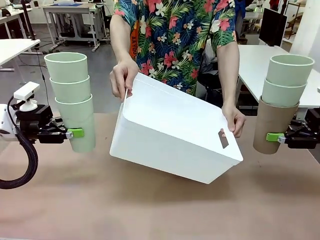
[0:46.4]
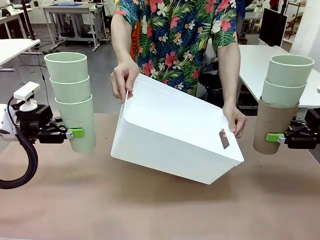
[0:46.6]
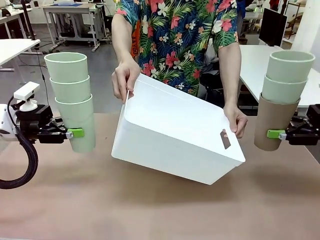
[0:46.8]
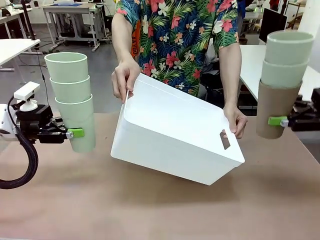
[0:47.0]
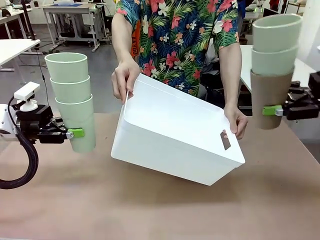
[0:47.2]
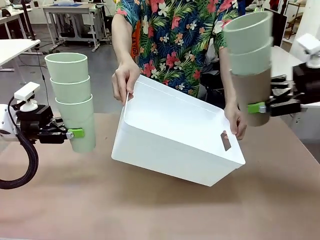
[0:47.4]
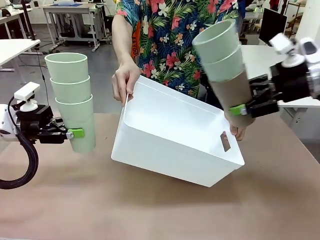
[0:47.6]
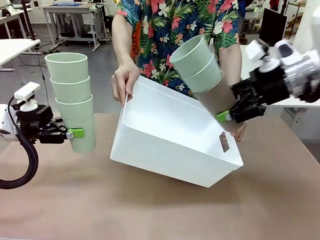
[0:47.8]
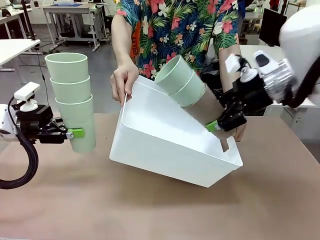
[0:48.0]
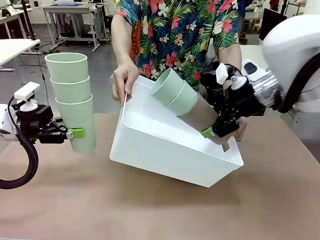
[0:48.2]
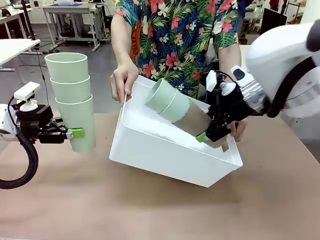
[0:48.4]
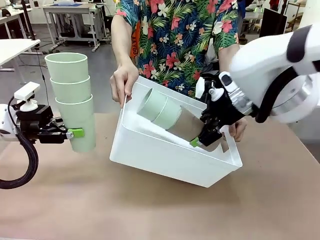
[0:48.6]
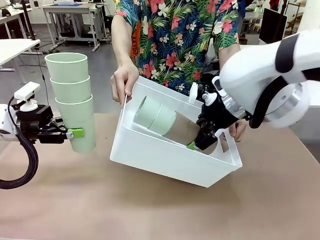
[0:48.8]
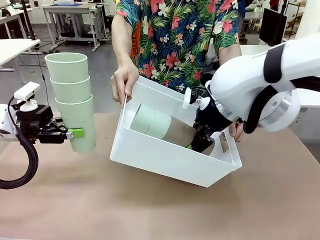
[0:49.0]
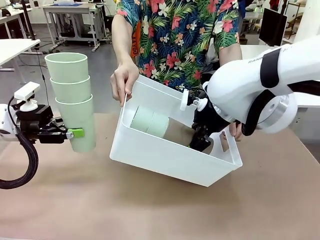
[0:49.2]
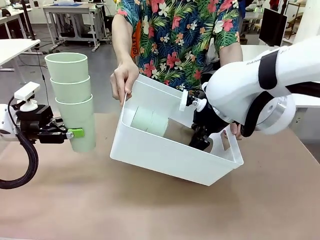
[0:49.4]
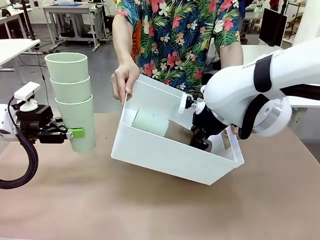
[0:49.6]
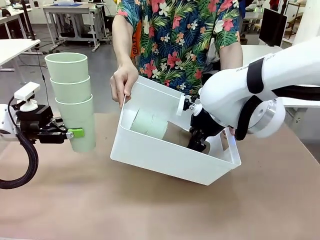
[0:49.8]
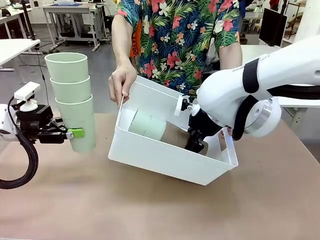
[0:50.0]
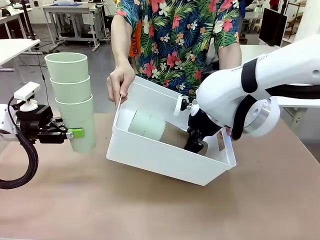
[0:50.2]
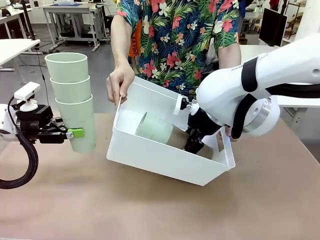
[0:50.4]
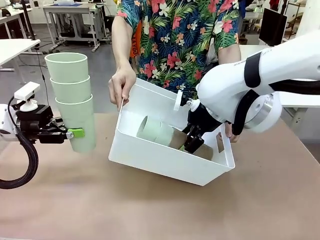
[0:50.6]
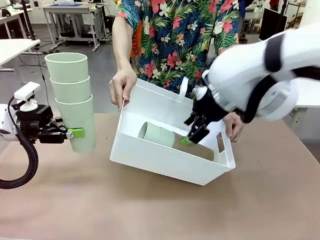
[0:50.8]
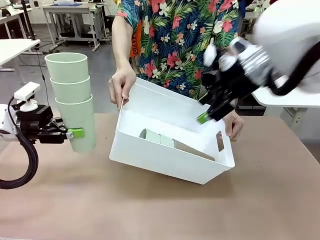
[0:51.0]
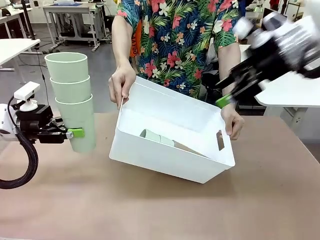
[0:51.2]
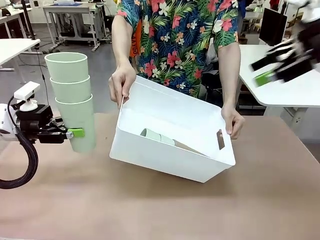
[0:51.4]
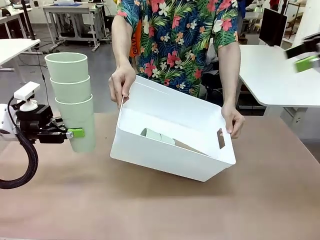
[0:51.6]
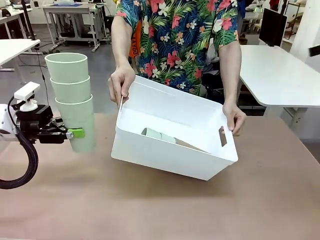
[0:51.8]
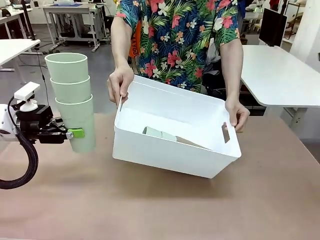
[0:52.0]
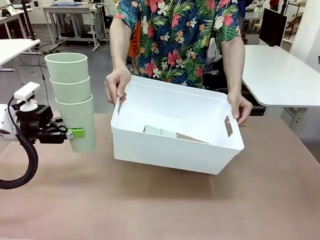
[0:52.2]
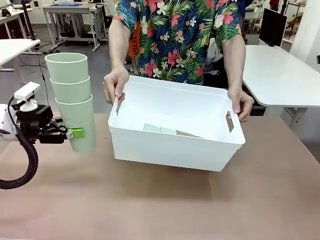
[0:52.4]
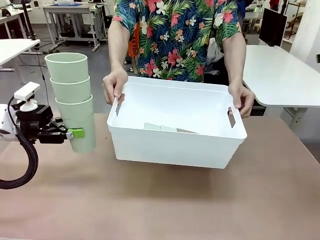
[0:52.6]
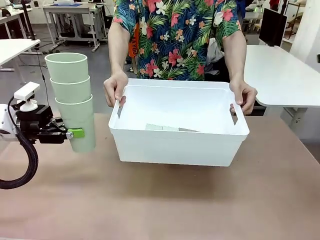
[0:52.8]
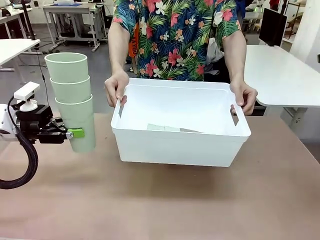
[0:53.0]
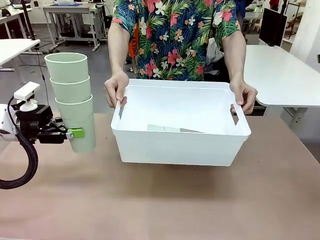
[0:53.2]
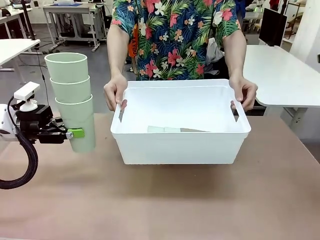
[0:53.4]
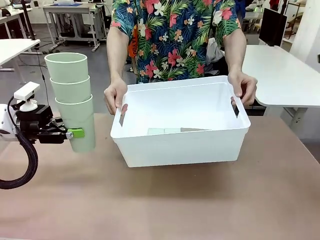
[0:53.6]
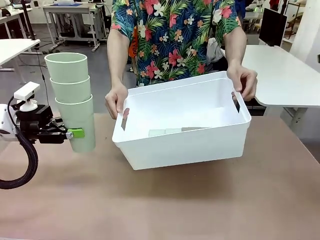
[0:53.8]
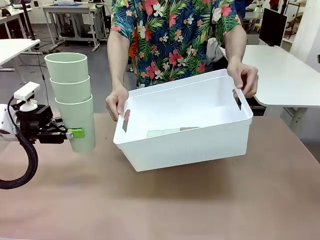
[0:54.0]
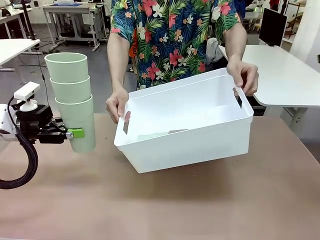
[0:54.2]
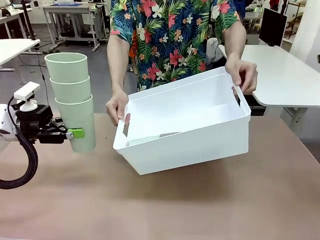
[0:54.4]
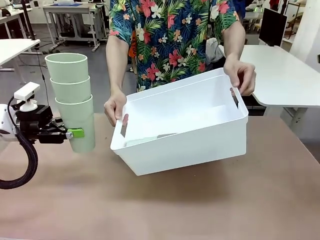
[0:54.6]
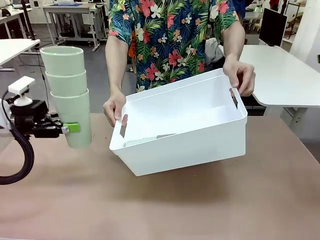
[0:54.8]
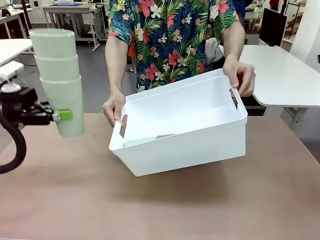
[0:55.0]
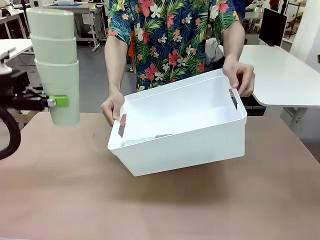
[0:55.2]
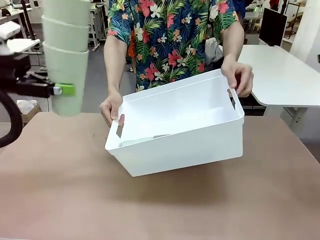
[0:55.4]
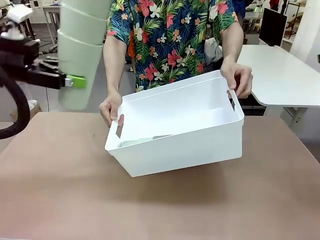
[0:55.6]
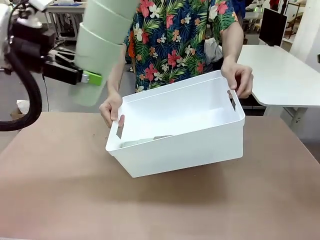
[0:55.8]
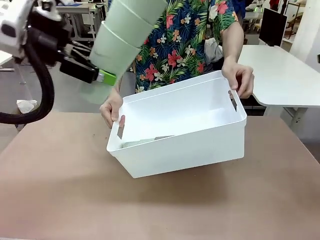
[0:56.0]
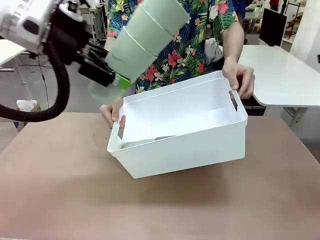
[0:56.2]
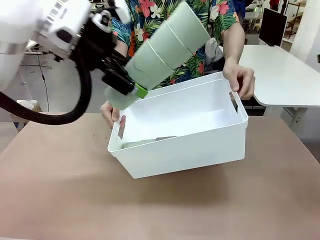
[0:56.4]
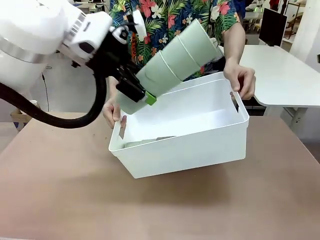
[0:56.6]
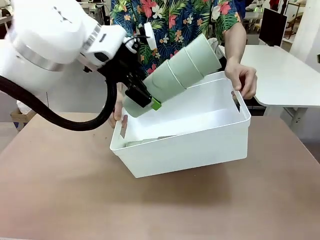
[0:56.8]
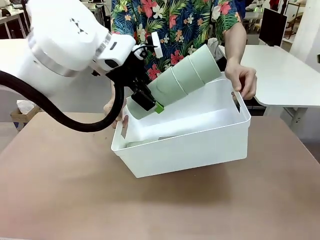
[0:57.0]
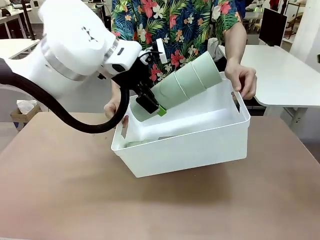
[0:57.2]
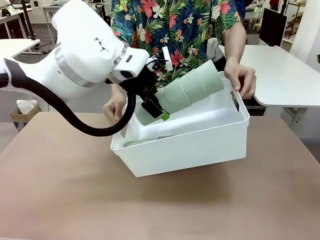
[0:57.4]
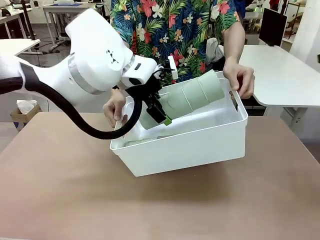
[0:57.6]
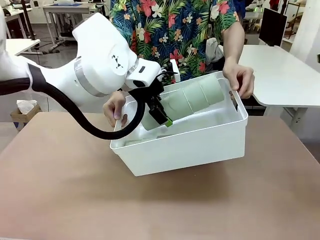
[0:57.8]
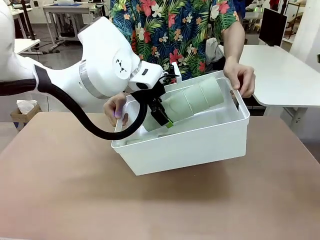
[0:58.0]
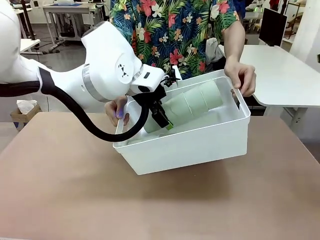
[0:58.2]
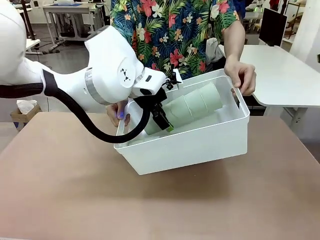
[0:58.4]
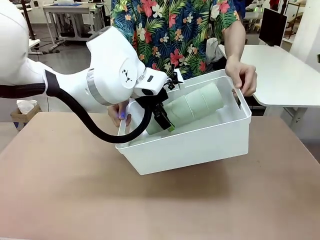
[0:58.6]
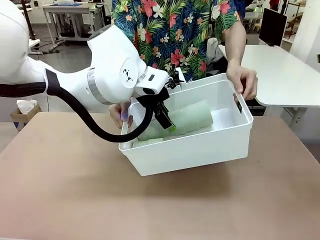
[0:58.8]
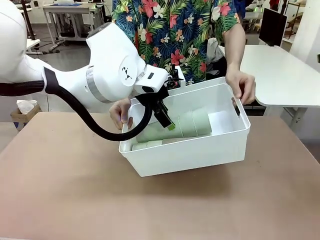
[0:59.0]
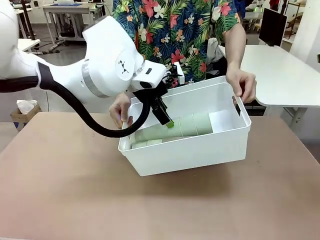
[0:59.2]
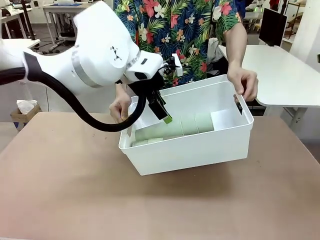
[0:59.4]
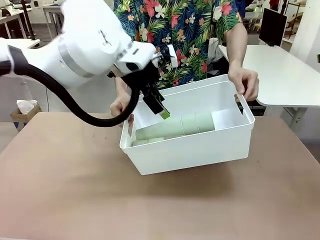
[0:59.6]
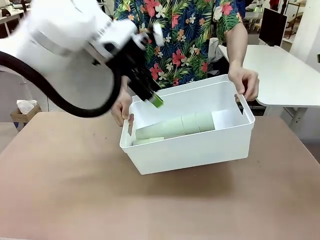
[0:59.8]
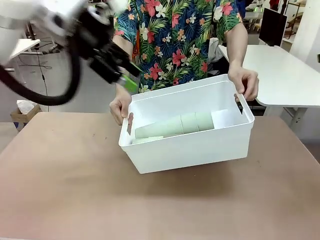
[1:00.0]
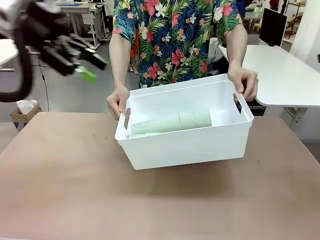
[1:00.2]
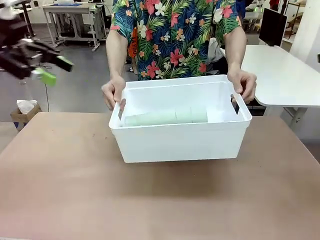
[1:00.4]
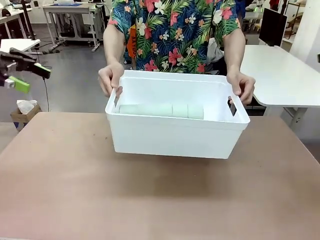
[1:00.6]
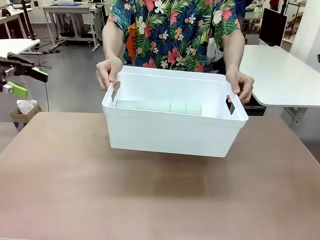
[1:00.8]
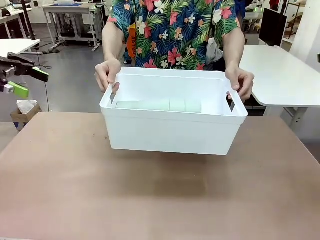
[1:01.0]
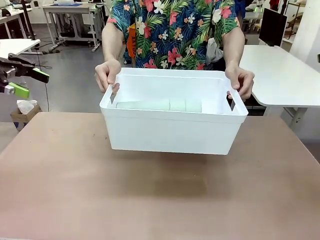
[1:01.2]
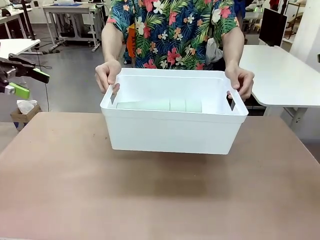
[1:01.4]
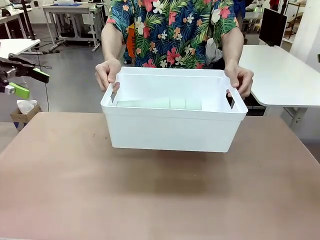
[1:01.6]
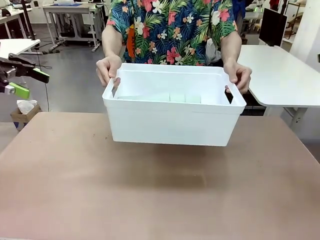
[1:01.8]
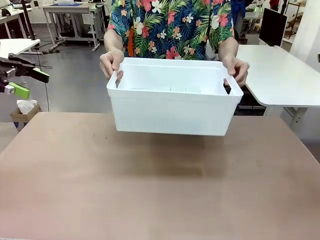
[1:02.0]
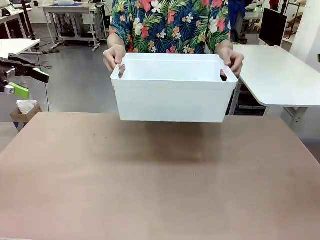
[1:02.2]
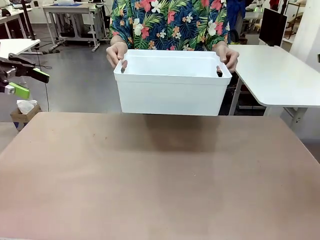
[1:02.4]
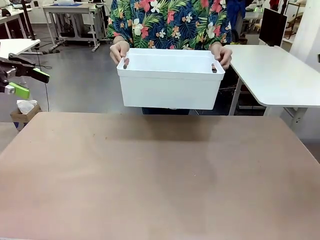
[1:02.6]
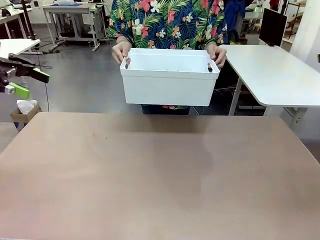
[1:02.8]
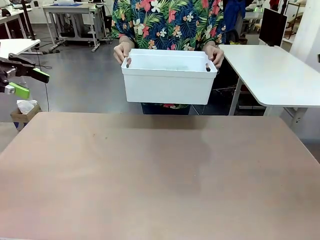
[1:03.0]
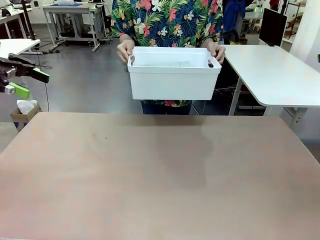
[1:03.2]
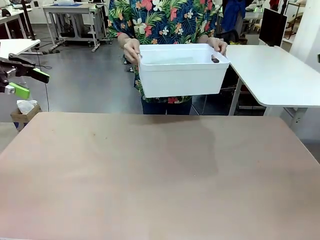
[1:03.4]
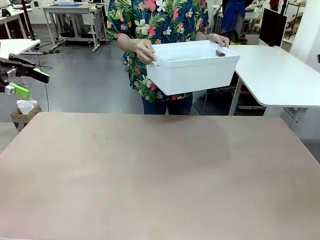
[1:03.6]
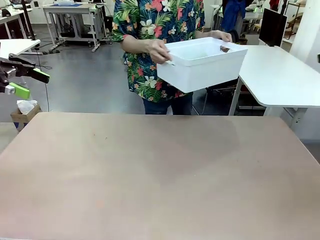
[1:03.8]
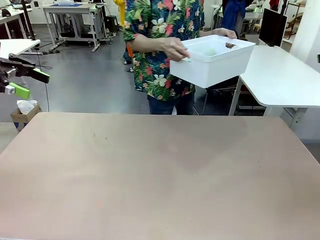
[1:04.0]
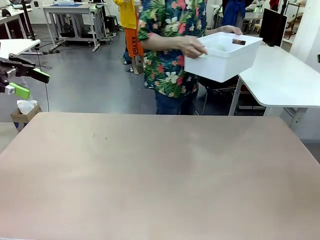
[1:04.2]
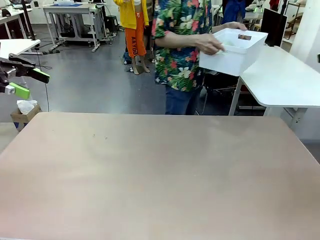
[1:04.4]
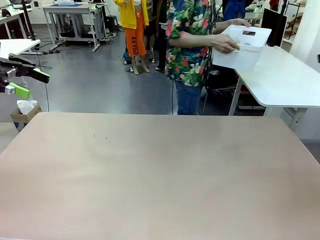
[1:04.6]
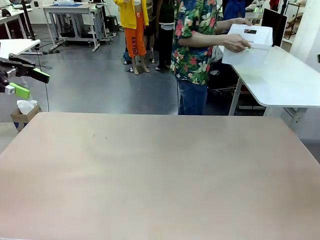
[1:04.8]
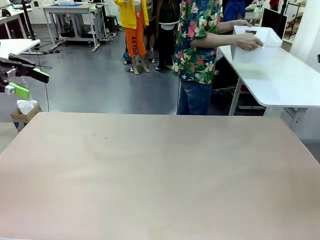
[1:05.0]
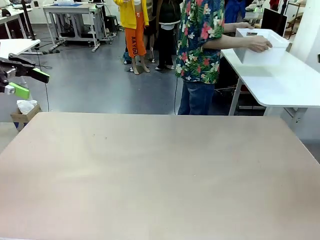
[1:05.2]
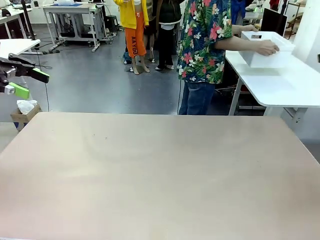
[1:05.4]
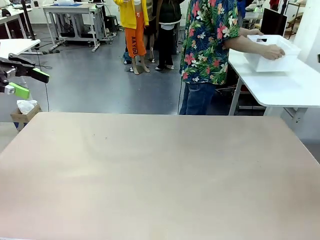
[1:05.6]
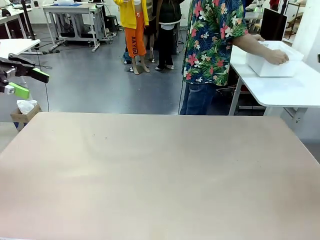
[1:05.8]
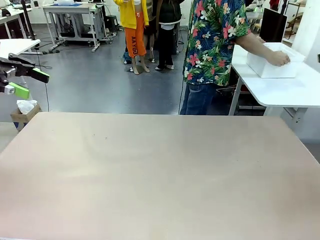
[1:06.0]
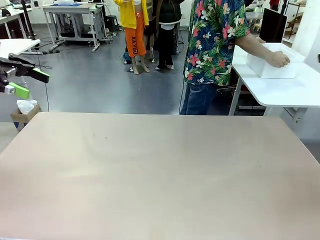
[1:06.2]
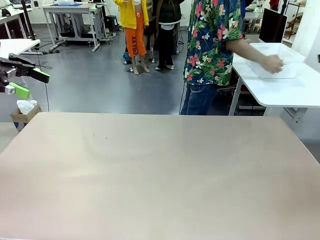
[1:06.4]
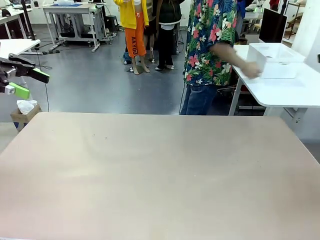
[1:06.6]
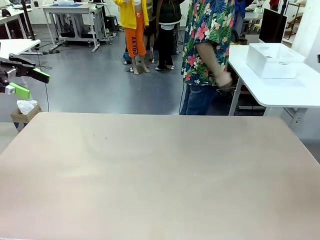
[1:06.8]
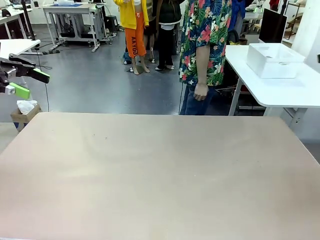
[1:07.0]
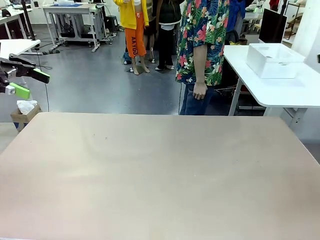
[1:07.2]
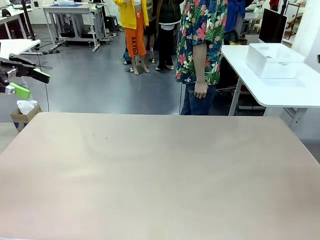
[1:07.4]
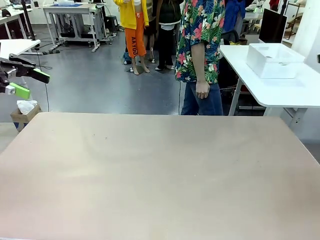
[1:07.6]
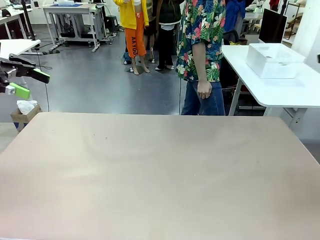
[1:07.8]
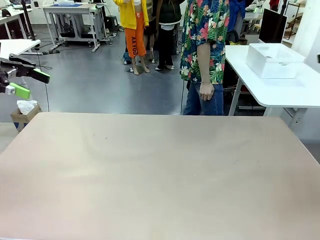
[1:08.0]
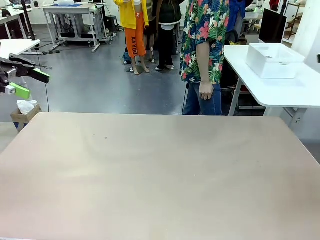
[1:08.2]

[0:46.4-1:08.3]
Task: Stack the cups and store them in the basket.
Robot: Place the stack of Reusable plastic cups into the Pantry Basket.
Person: Place the basket containing the cups in the middle of the Human Table.
